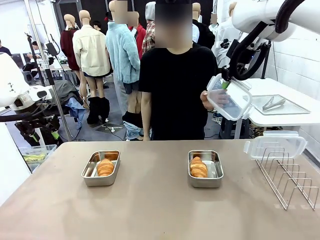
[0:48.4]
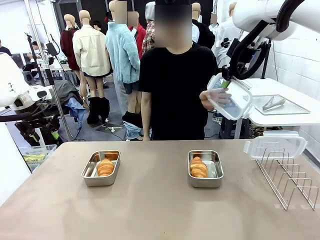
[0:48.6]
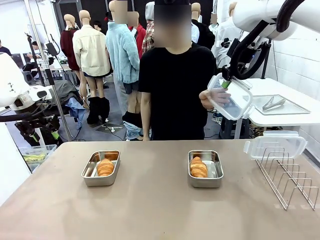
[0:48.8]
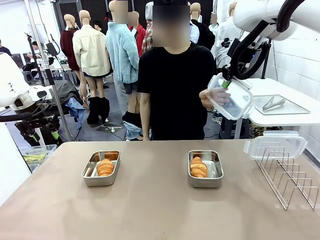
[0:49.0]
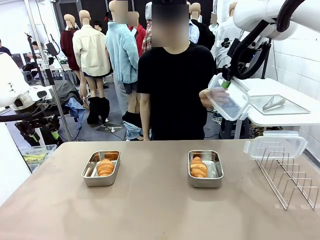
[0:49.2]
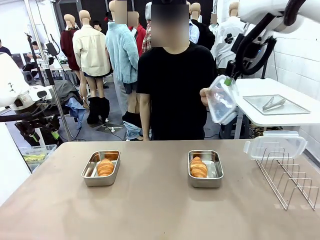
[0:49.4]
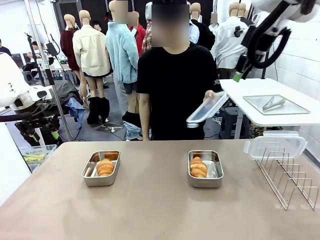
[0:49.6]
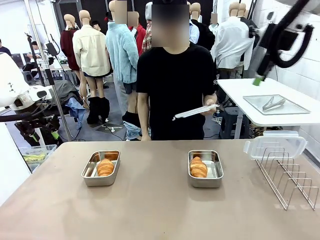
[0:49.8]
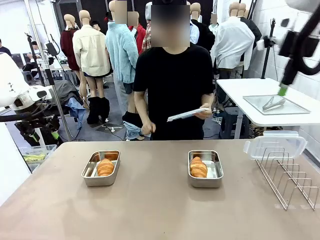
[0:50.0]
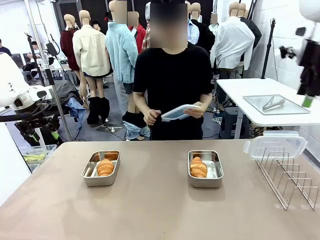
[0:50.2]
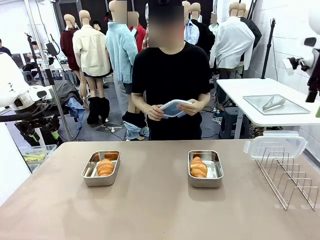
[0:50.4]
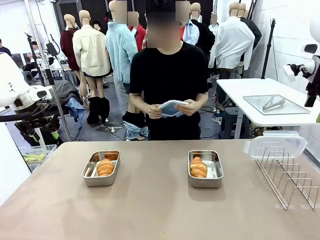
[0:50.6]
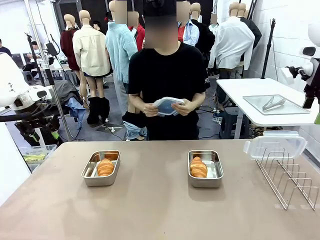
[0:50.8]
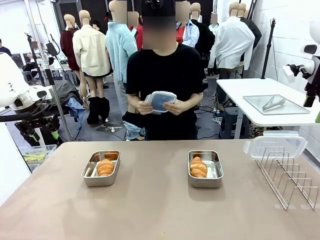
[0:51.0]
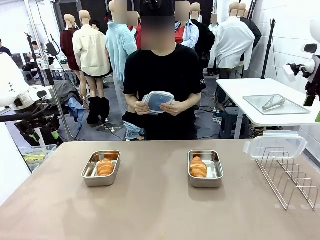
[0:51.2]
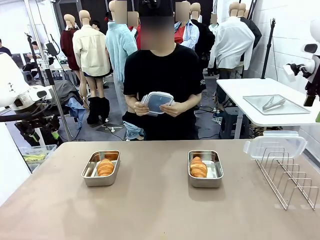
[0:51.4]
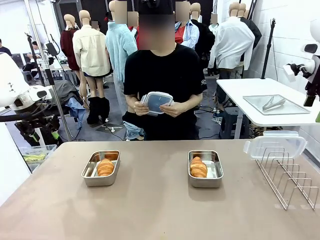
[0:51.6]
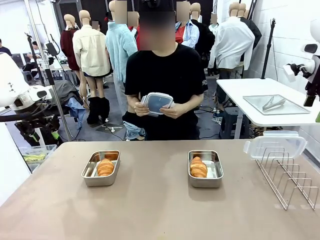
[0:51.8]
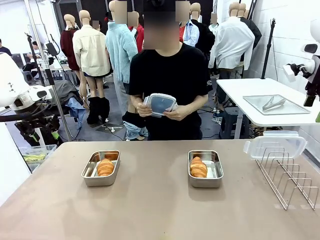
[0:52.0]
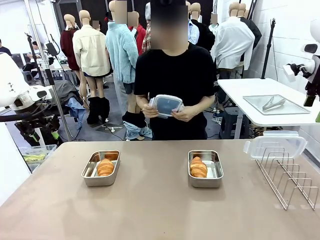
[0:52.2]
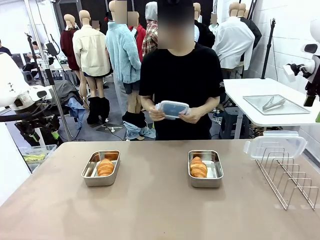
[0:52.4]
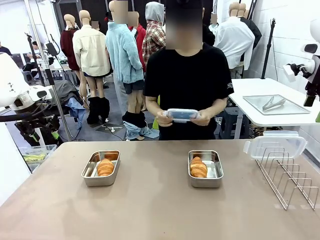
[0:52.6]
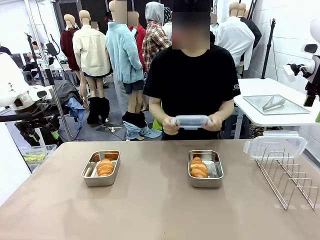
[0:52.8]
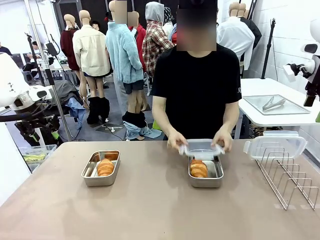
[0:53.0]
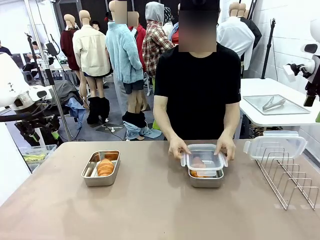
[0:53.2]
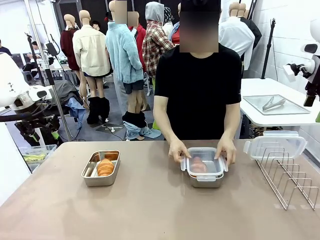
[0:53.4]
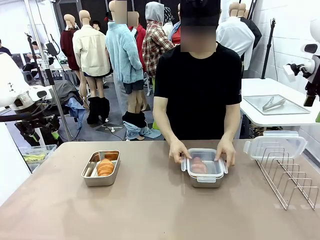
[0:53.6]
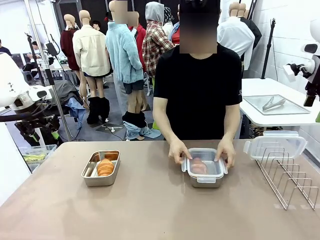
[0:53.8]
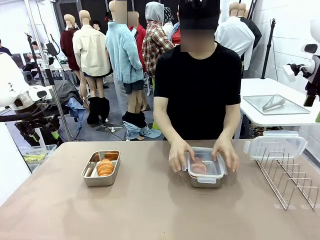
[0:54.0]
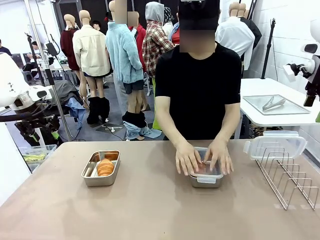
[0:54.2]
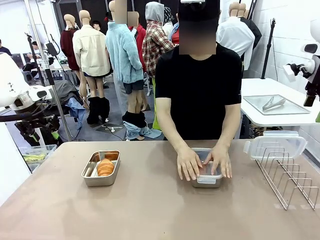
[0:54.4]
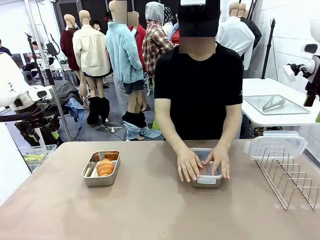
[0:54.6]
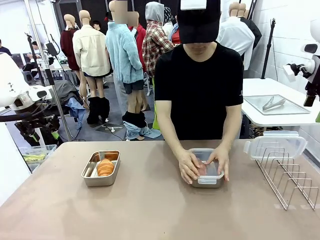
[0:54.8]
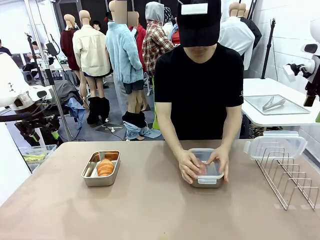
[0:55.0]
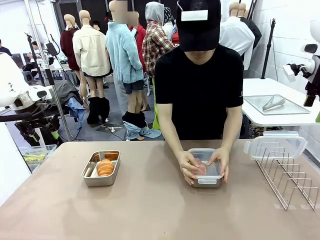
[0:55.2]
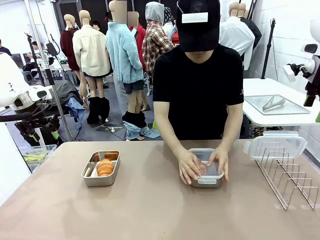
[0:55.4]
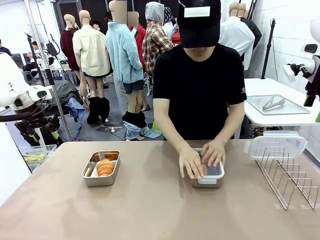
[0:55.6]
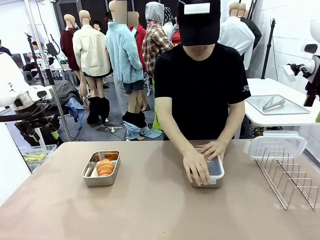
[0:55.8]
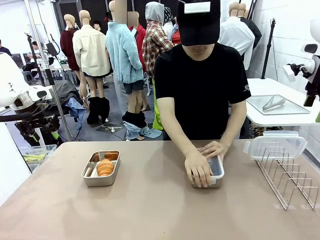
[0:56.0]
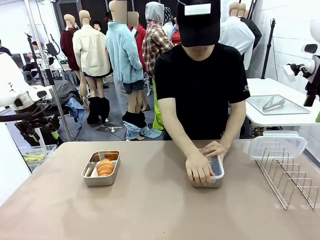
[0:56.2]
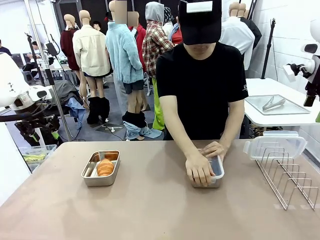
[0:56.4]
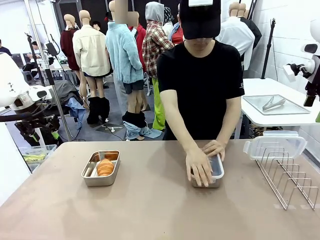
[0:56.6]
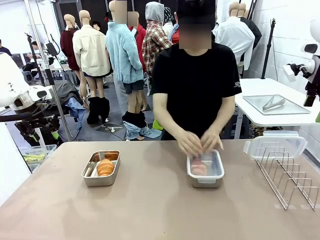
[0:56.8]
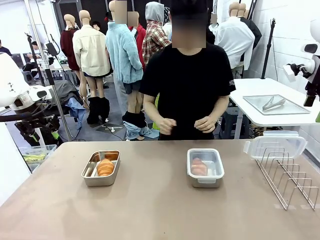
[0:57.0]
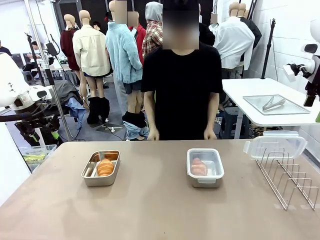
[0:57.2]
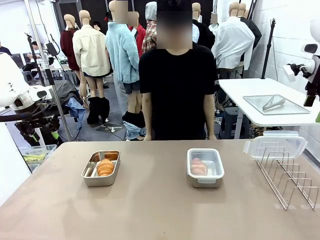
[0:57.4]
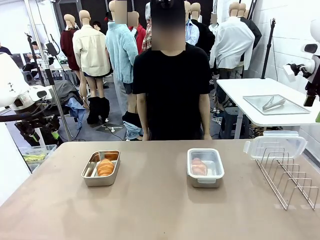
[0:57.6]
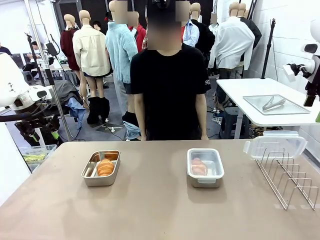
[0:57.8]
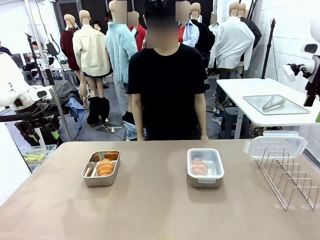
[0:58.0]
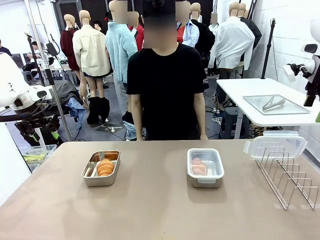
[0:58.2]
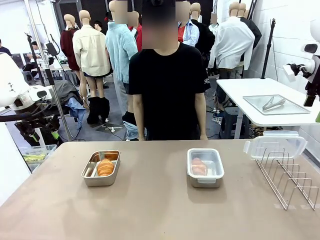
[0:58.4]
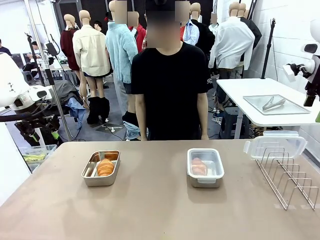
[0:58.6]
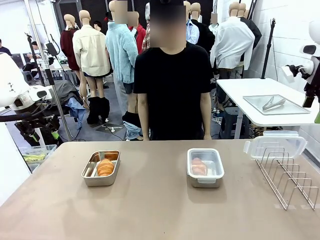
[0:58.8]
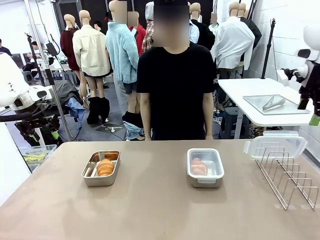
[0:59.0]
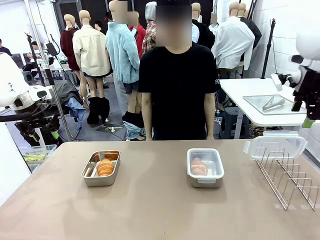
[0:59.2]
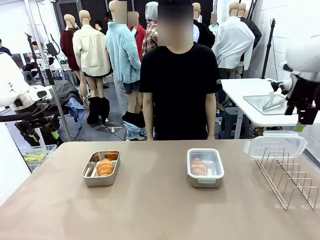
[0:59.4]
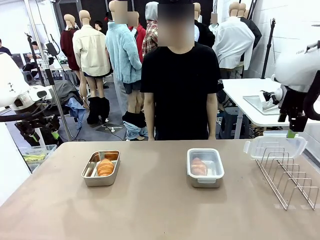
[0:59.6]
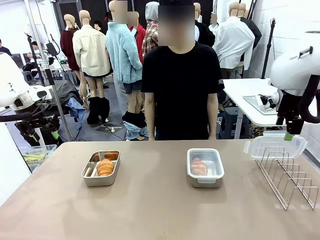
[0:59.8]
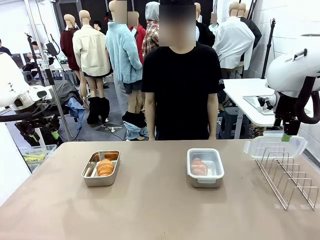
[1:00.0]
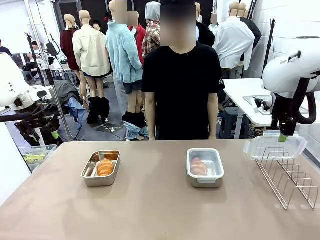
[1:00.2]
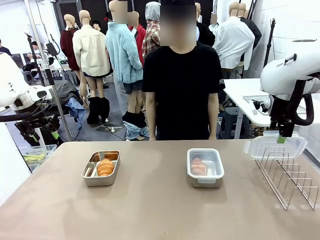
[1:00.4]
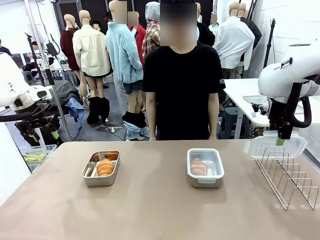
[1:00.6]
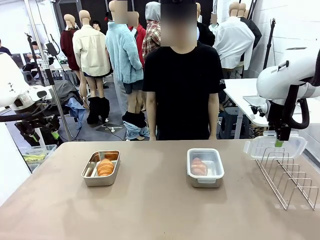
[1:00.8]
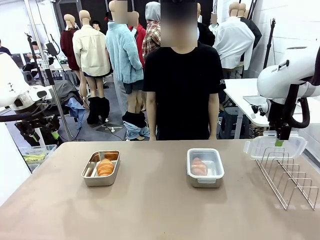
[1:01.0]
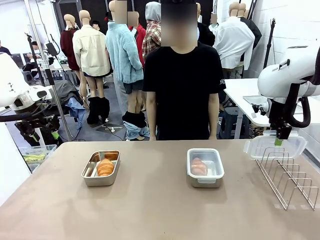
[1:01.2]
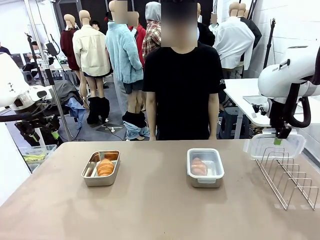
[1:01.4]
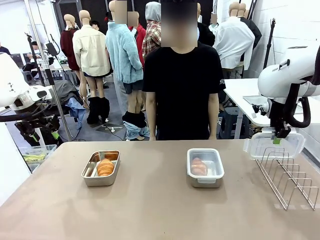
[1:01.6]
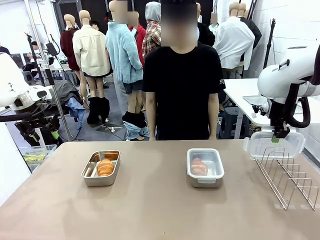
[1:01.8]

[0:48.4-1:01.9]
Task: Place the bread in airtight containers.
Robot: Pick up one Airtight Container lid and hand it to the human.
Person: Close Airtight Container with a handed Airtight Container lid.

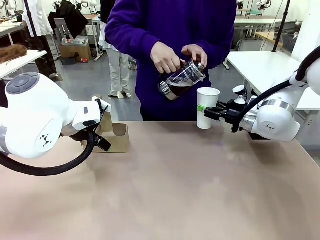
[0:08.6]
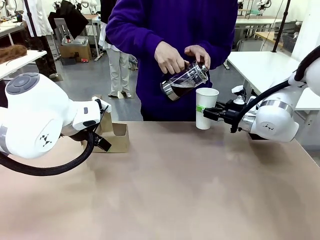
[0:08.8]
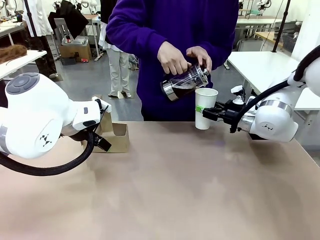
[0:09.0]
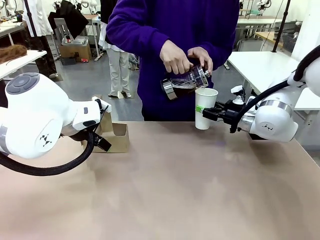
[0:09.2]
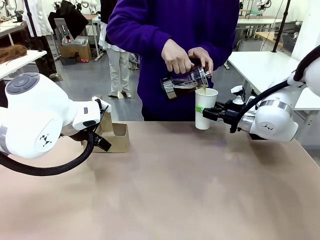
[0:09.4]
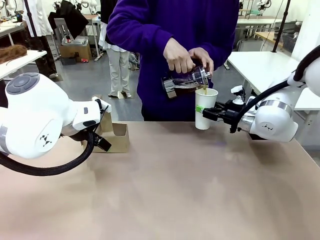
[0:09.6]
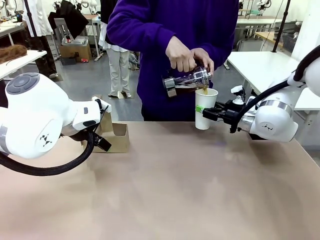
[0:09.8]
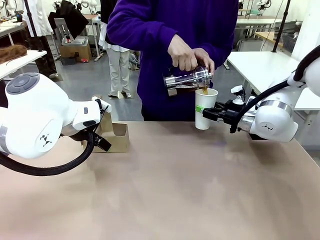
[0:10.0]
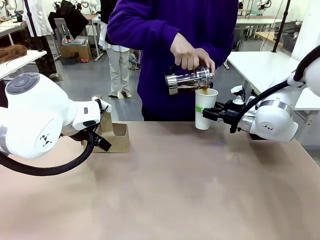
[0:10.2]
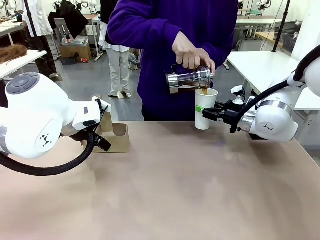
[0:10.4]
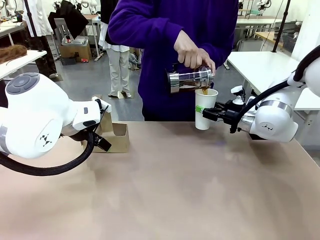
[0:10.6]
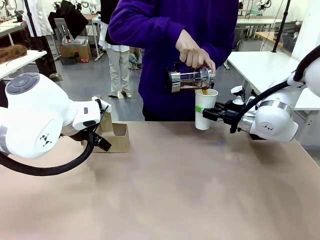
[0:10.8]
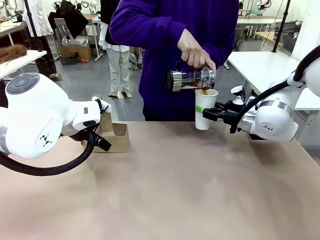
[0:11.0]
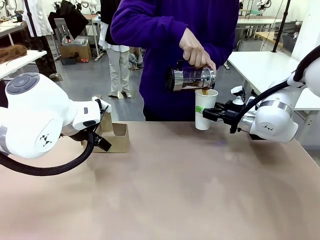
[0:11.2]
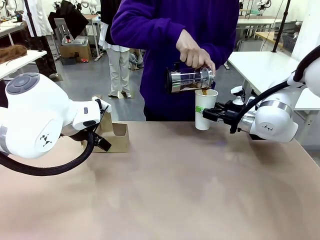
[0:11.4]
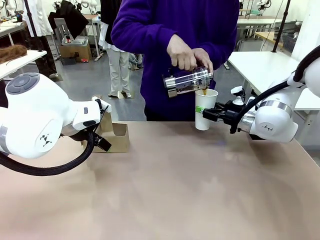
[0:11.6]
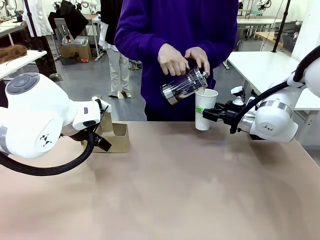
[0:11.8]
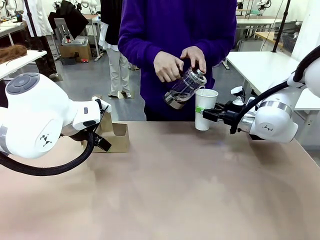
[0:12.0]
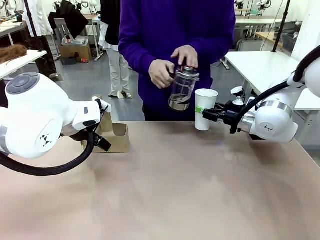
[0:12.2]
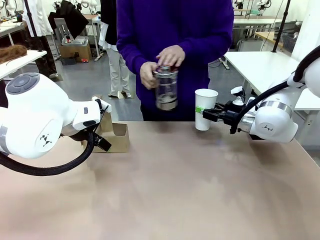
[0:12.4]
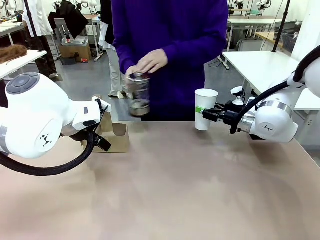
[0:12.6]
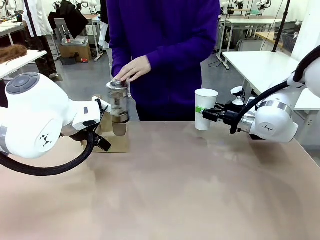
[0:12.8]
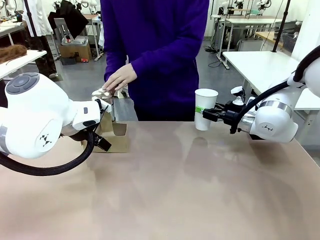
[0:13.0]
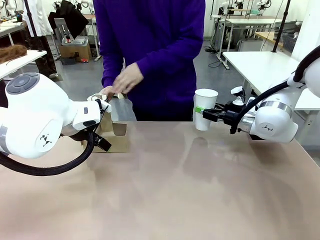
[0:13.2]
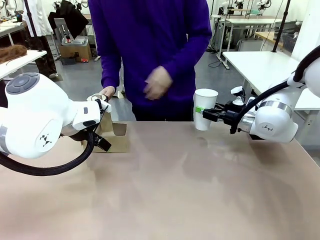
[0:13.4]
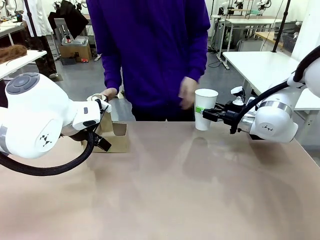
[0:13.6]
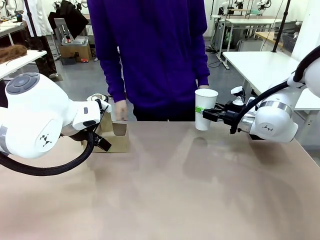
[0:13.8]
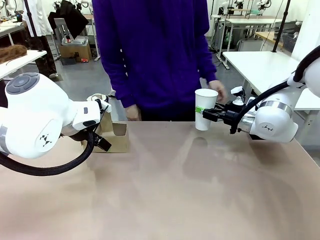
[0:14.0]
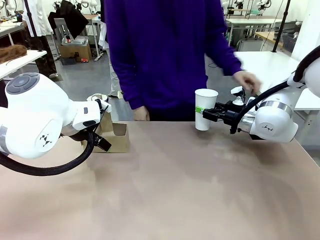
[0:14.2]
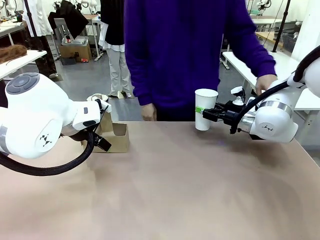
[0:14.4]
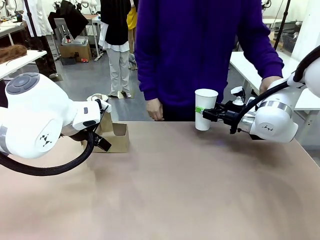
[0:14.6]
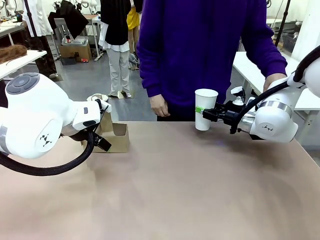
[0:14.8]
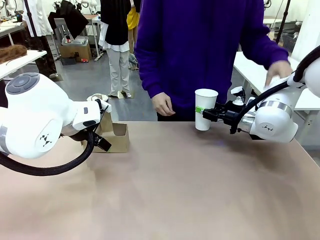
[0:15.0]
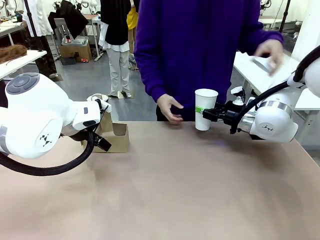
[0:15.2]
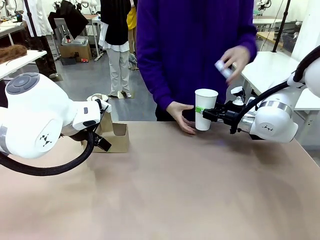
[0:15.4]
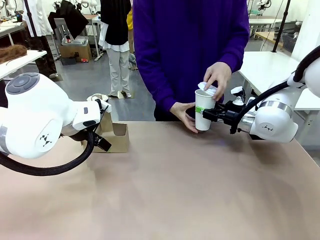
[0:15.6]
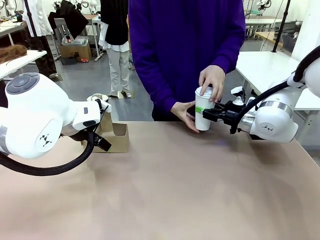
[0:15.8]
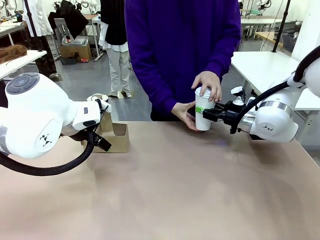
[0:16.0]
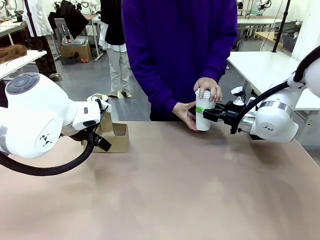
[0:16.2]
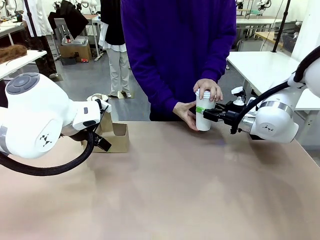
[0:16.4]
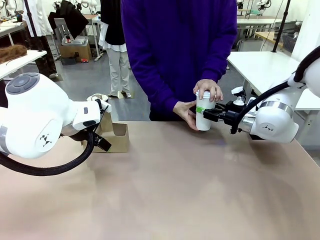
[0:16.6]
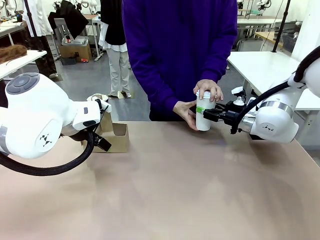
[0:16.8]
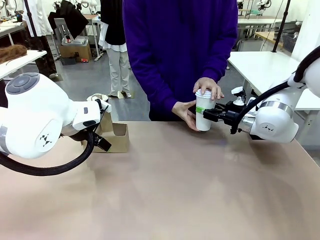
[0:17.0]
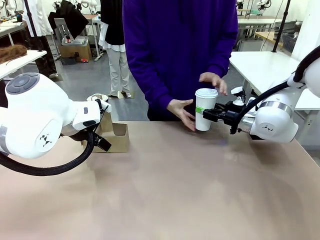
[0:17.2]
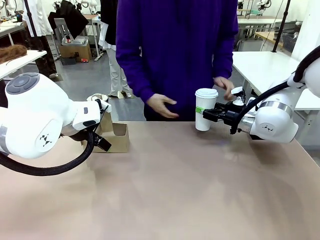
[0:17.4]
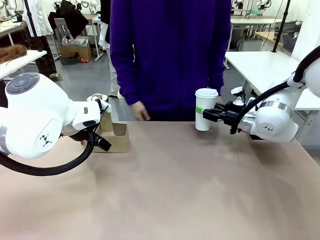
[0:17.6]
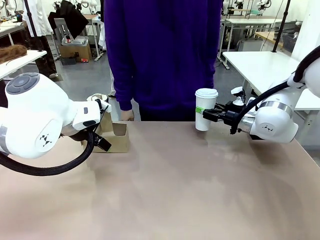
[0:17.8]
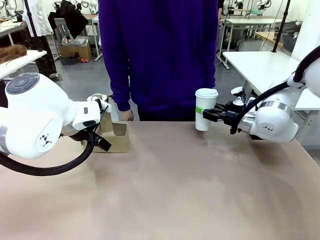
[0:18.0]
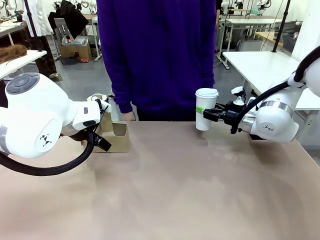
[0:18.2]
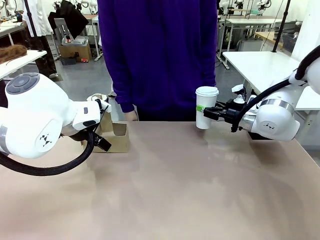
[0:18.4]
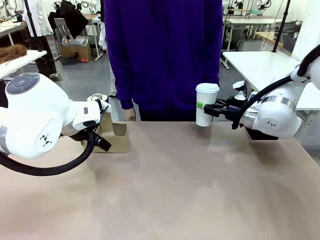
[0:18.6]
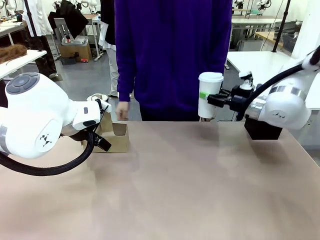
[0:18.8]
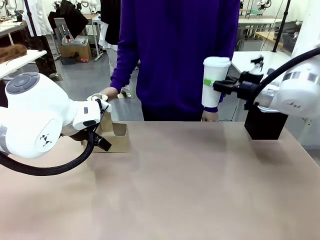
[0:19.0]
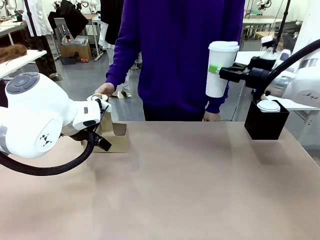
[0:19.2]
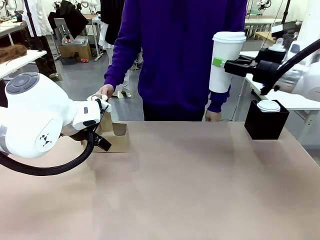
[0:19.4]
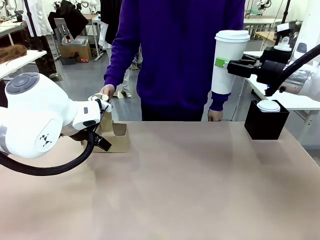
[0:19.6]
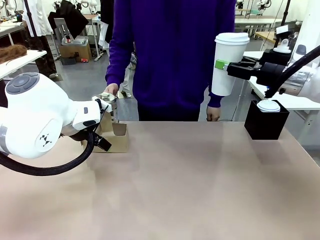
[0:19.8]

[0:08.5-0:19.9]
Task: Pour a drink into a cup and package it in a carrier.
Robot: When a person places the Paper Cup Lid on the 600 ml Paper Cup , lift the 600 ml Paper Cup.
Person: Pour the drink from the Filter Brewing into the 600 ml Paper Cup. Place a Paper Cup Lid on the 600 ml Paper Cup.
